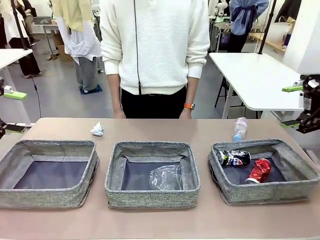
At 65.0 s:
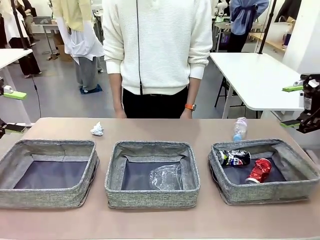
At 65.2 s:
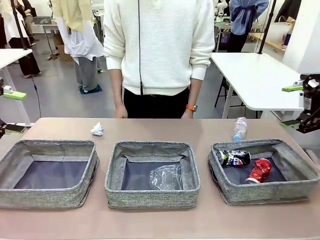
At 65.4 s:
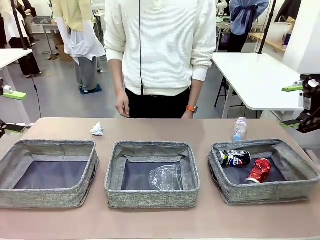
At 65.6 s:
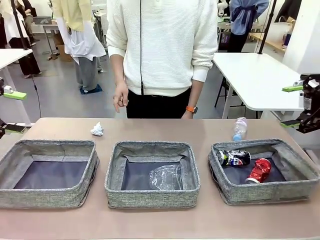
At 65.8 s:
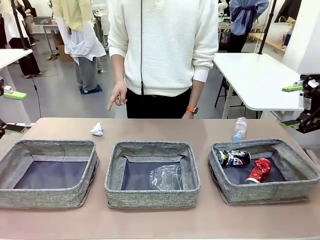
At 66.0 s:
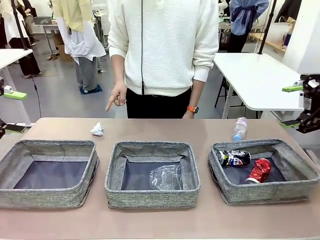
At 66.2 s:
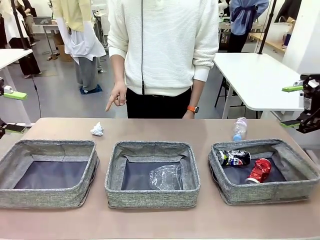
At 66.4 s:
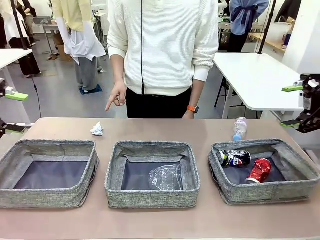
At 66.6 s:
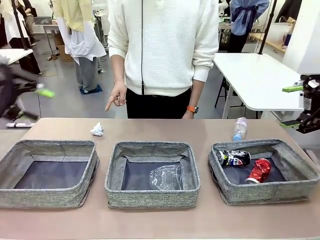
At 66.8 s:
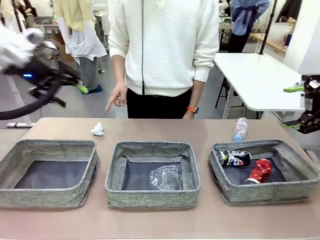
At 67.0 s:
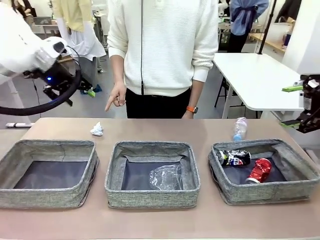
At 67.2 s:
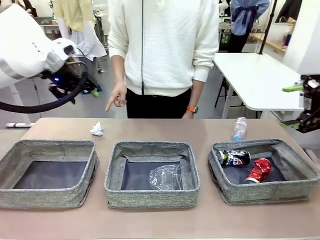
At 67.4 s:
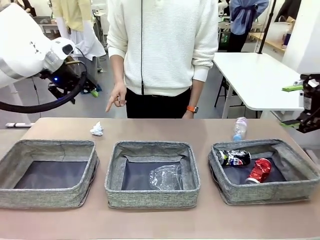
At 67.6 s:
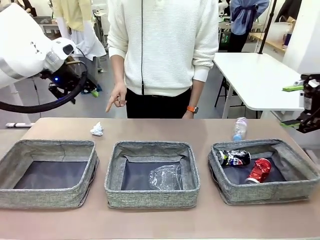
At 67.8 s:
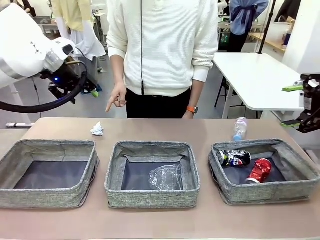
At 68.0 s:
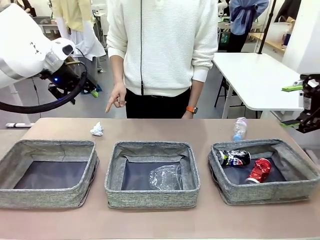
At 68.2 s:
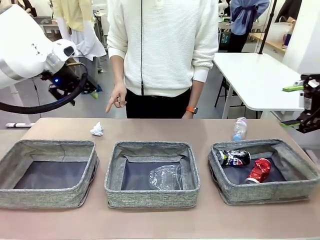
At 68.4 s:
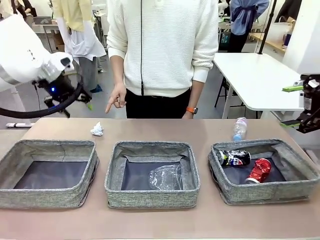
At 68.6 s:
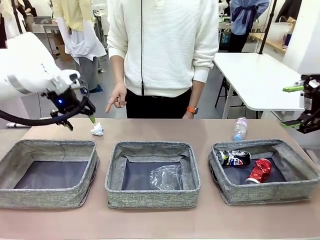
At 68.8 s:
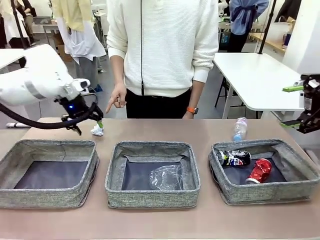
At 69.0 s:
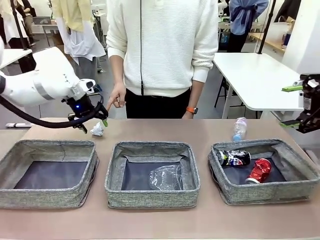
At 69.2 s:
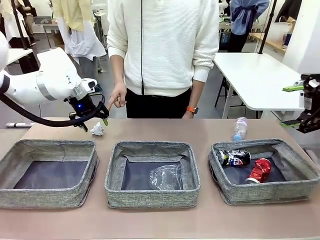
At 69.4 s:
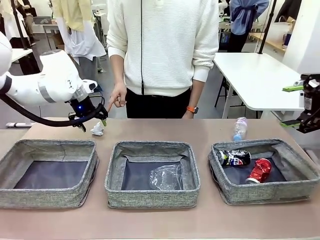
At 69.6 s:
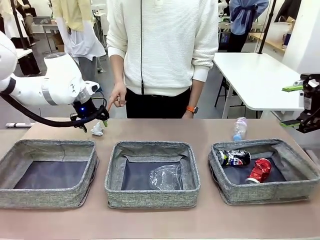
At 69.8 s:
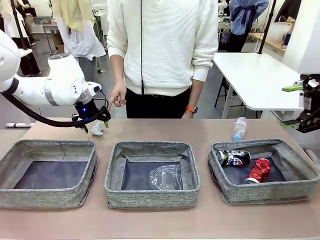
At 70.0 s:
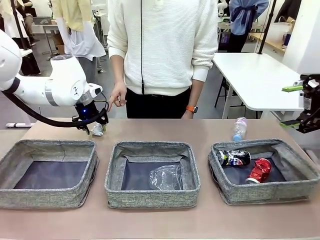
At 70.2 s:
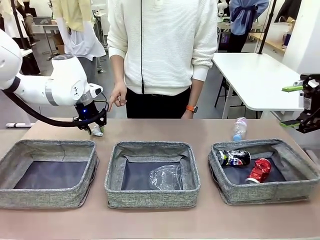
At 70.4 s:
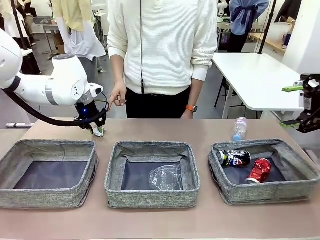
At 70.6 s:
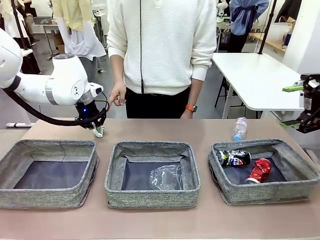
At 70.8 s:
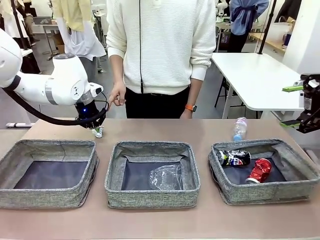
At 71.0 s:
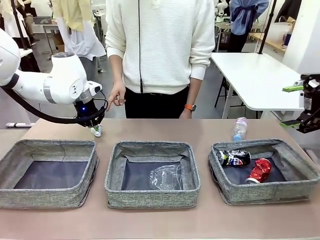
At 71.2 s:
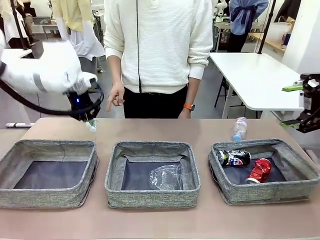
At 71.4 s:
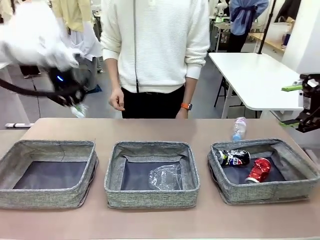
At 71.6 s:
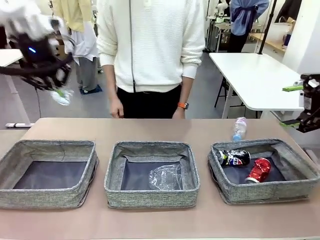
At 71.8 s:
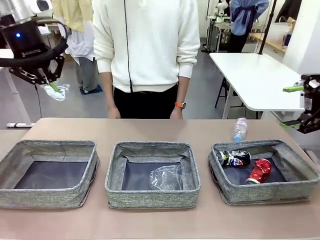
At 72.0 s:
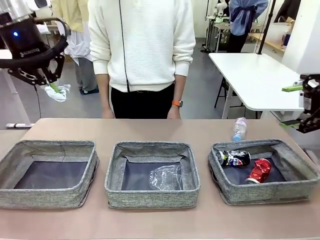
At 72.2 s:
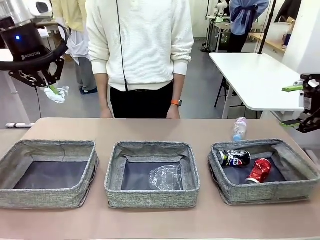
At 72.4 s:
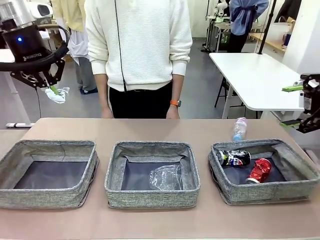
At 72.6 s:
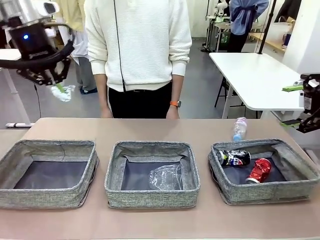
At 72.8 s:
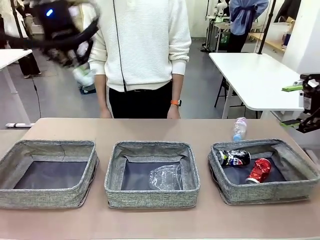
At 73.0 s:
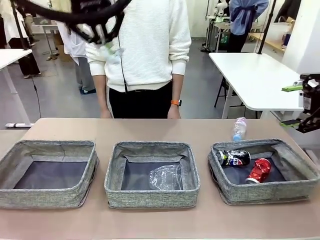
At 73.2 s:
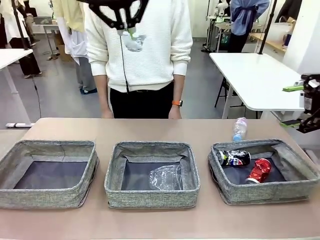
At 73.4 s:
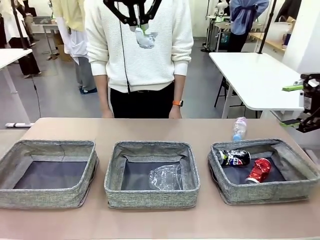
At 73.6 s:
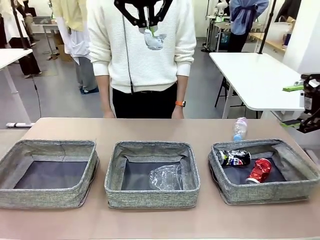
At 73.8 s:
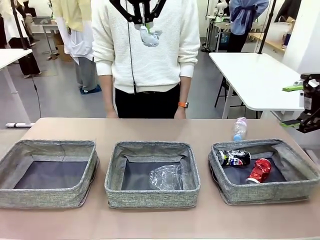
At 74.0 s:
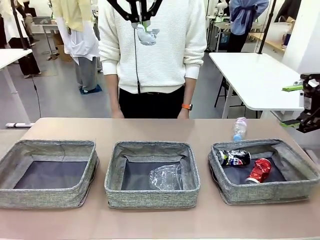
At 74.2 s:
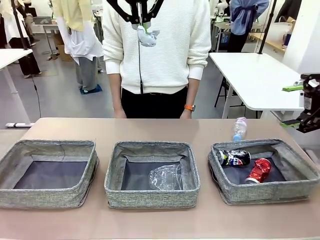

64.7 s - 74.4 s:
Task: Sort the waste into the appropriate baskets.
Robot: Pick up the waste item pointed out by the person.
Person: Points to one piece of trash on the table.

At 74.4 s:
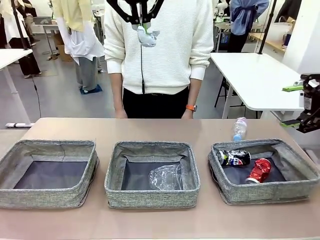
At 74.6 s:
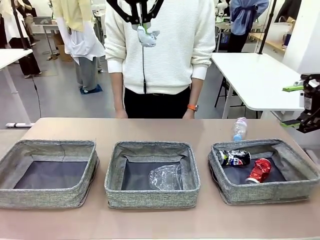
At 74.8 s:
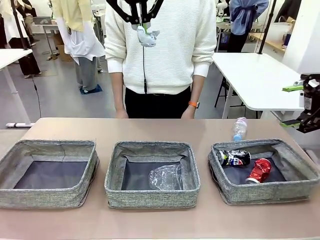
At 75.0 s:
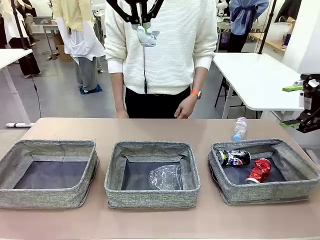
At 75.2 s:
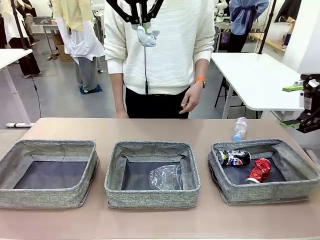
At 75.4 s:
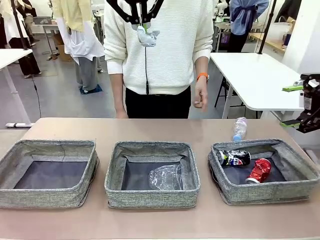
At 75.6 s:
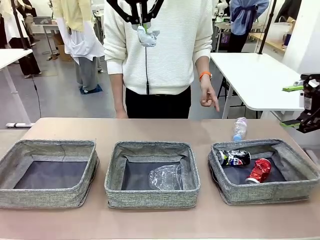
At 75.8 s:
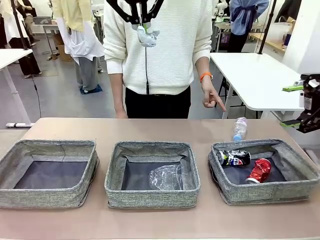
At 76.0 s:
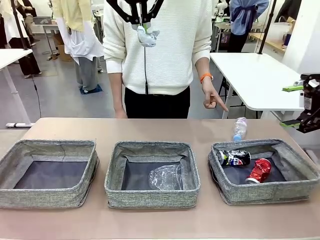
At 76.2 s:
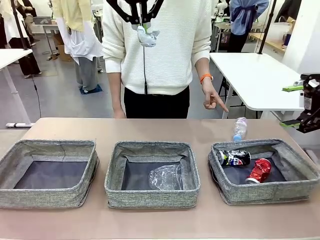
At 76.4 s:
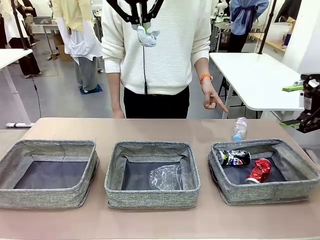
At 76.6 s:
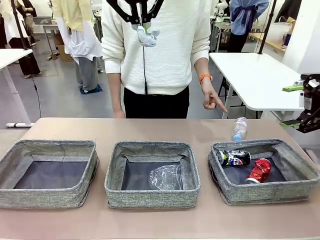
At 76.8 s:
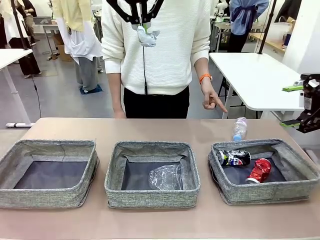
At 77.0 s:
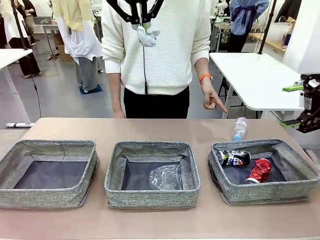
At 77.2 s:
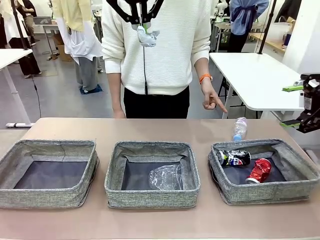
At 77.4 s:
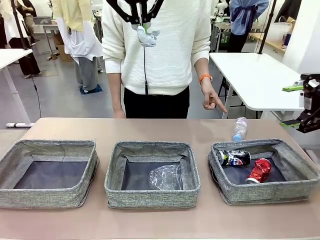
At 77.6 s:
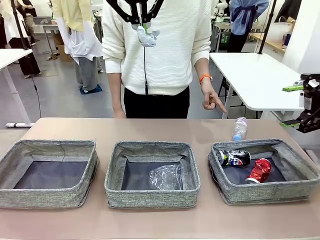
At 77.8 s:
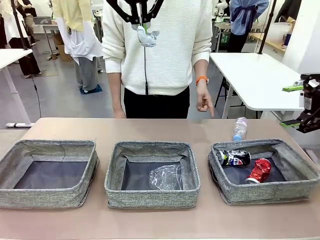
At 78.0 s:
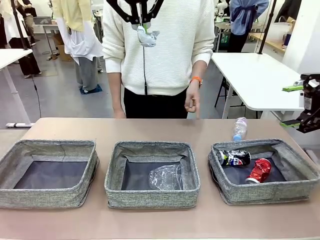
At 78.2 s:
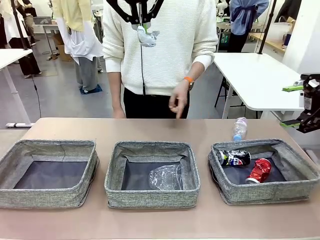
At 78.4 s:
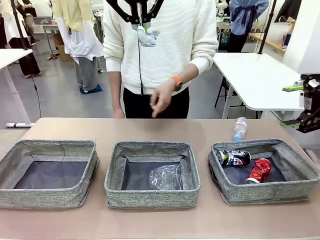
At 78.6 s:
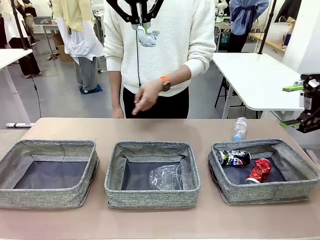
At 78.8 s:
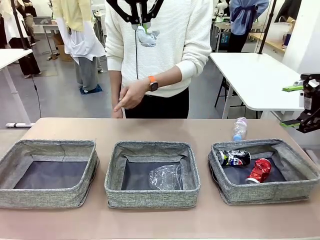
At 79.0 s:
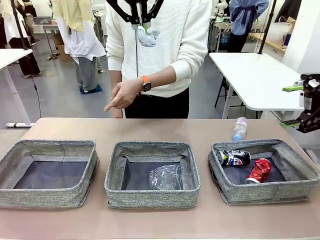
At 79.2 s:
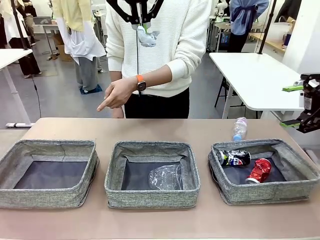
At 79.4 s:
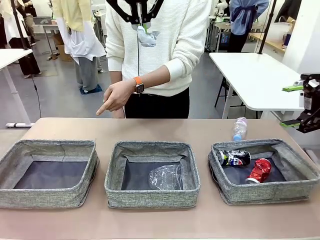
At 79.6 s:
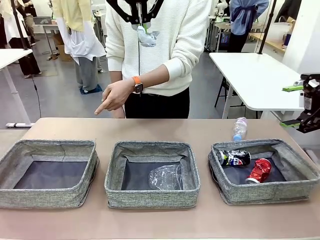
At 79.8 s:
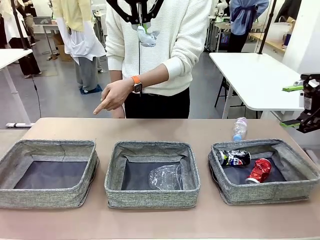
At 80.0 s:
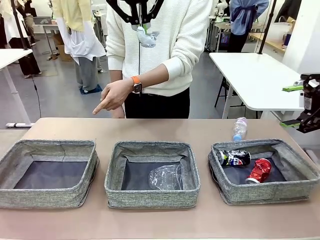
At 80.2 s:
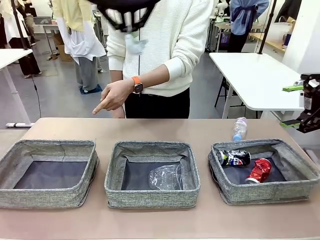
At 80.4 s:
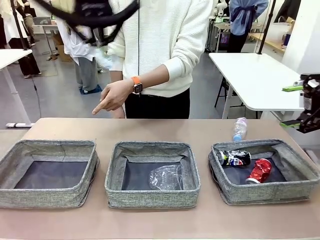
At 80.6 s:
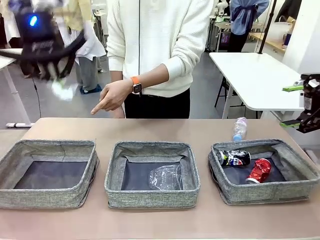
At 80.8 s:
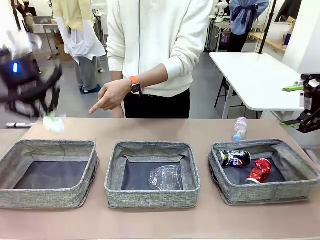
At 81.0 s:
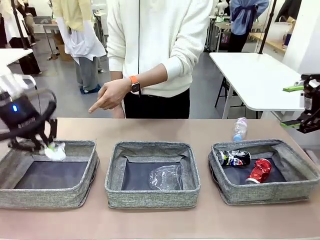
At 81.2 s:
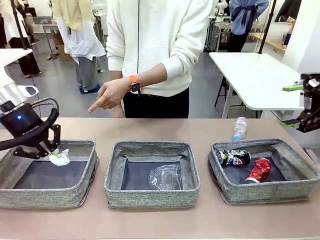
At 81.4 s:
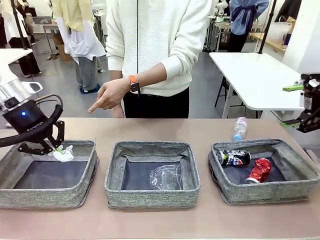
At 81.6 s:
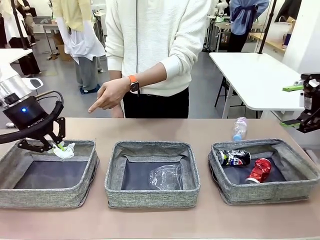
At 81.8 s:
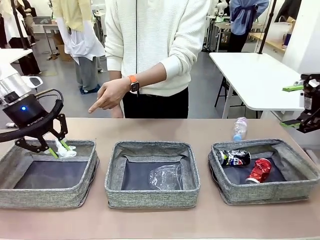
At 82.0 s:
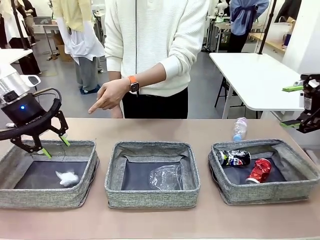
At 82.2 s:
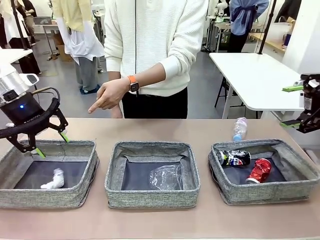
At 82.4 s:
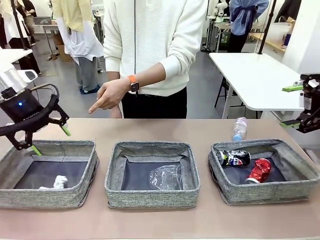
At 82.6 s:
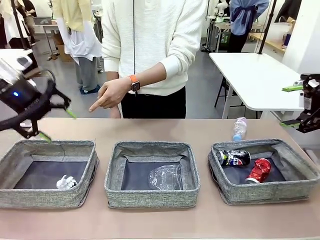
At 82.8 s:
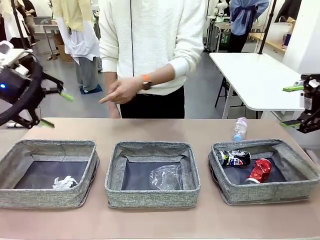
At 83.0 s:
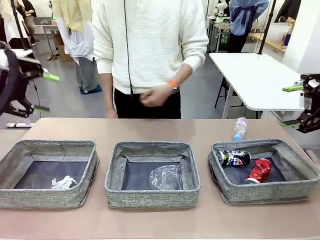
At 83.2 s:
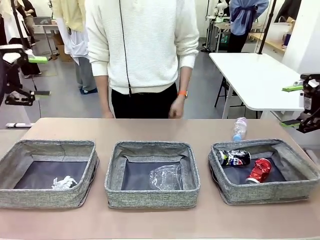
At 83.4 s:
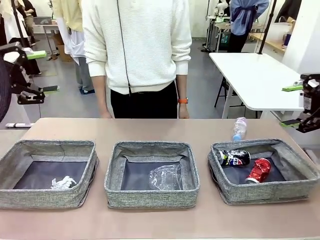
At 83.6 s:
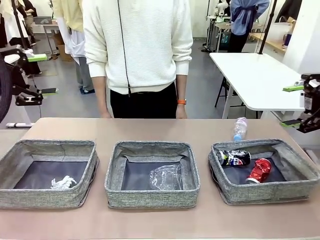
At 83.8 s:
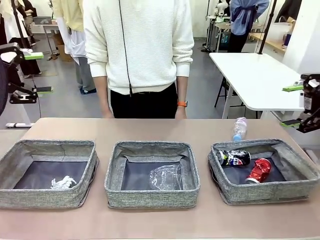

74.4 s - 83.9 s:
Robot: Place the picked waste into the Fabric basket indicated by the person.
Person: Instructs the robot to place the picked-up trash into the appropriate organizing basket.
